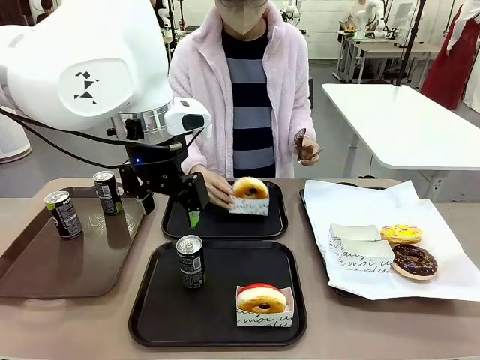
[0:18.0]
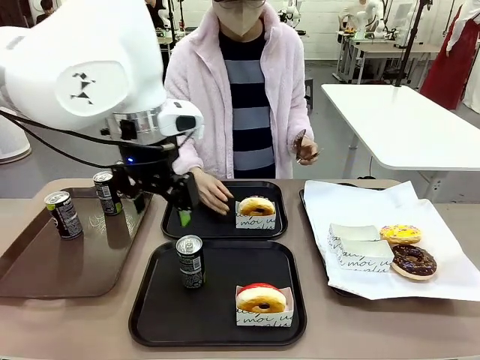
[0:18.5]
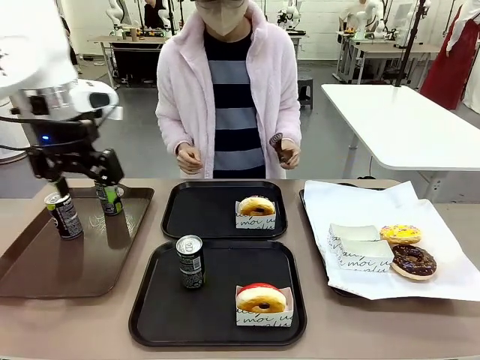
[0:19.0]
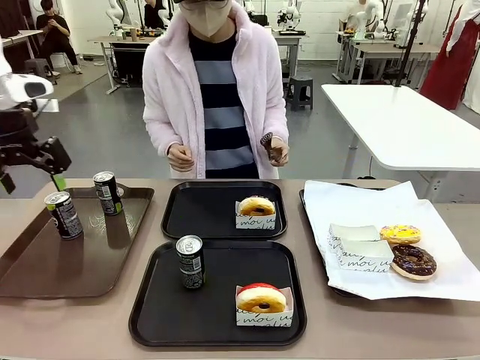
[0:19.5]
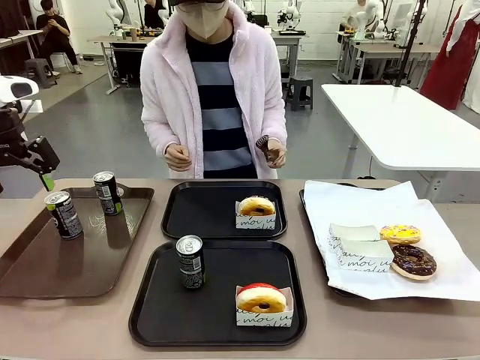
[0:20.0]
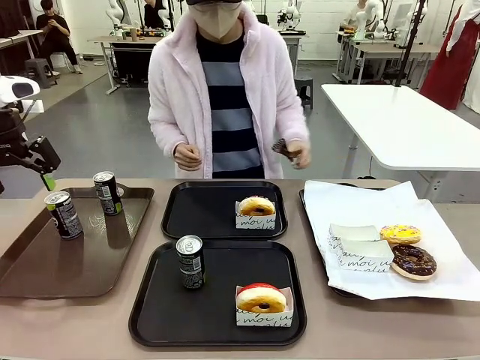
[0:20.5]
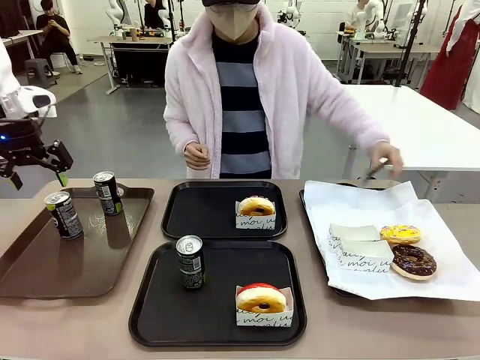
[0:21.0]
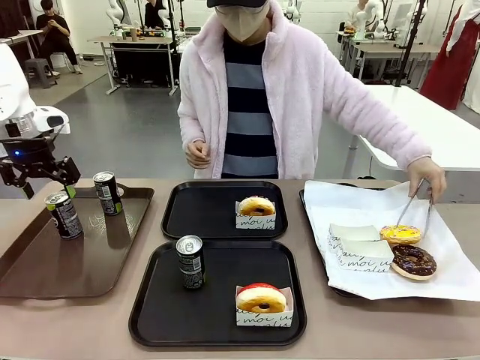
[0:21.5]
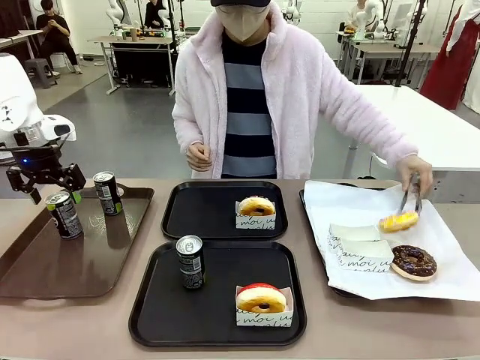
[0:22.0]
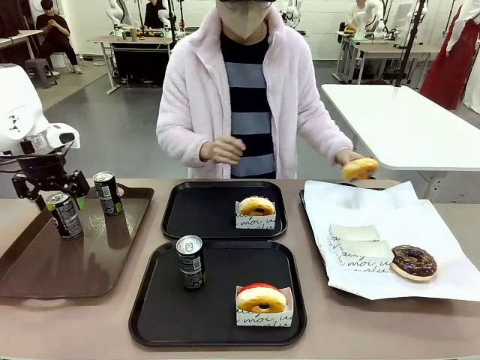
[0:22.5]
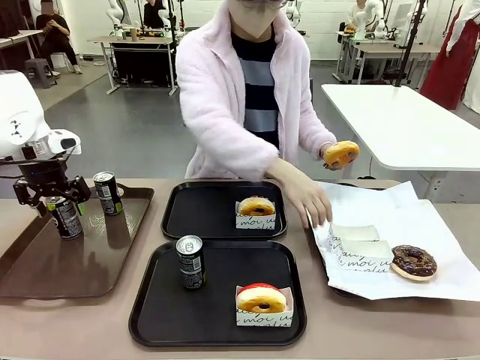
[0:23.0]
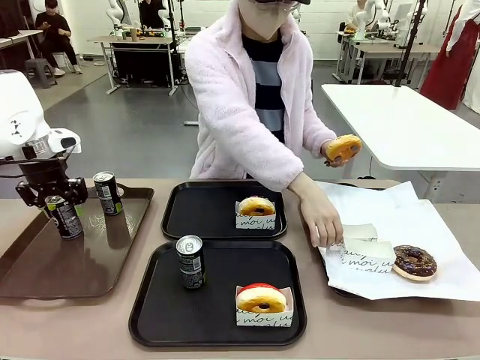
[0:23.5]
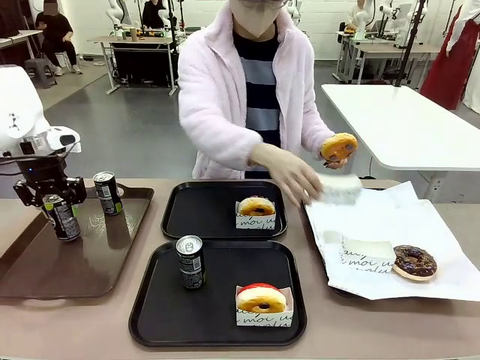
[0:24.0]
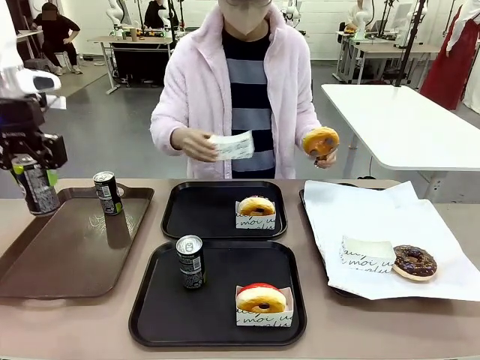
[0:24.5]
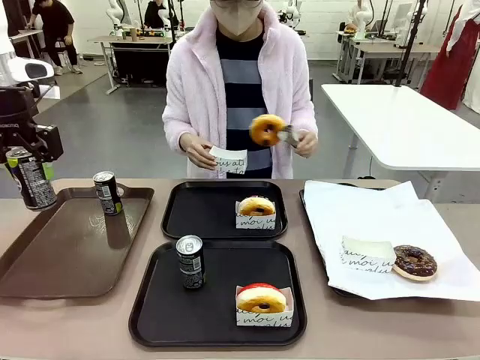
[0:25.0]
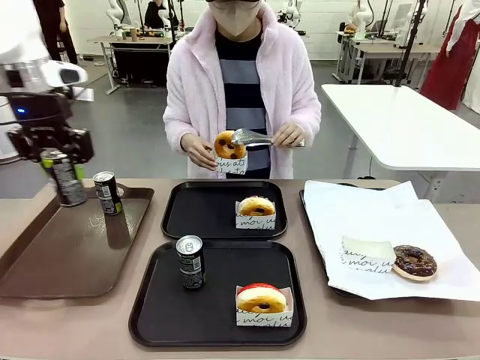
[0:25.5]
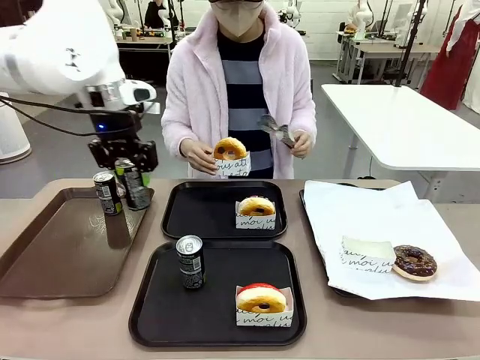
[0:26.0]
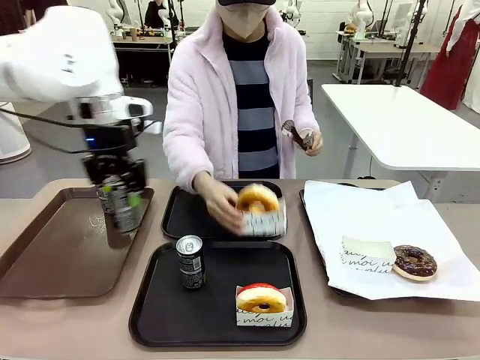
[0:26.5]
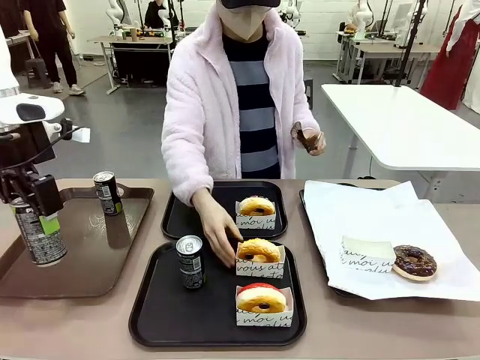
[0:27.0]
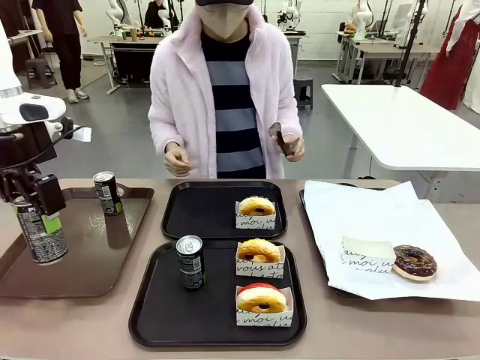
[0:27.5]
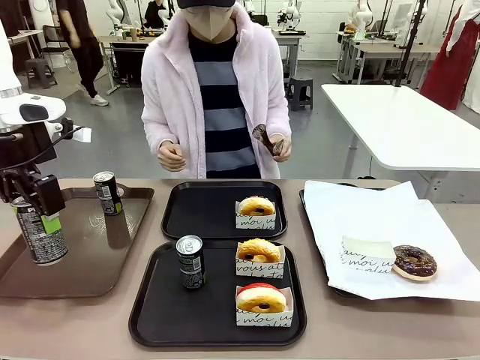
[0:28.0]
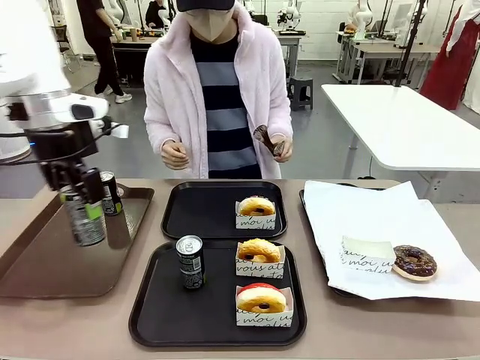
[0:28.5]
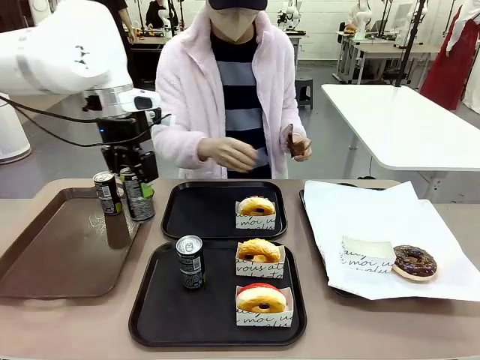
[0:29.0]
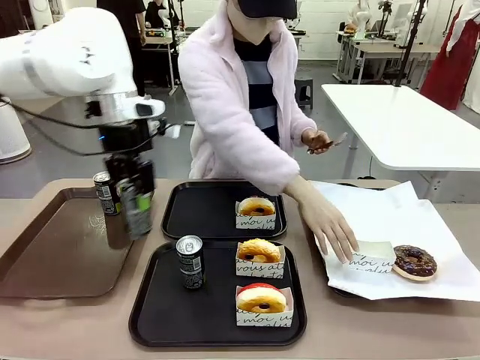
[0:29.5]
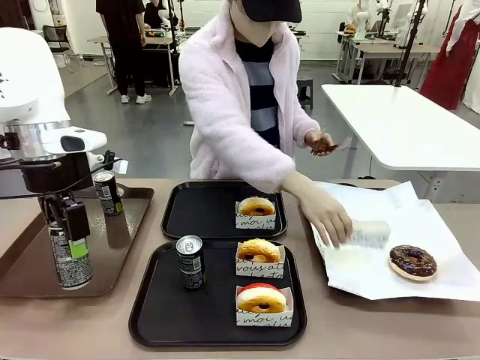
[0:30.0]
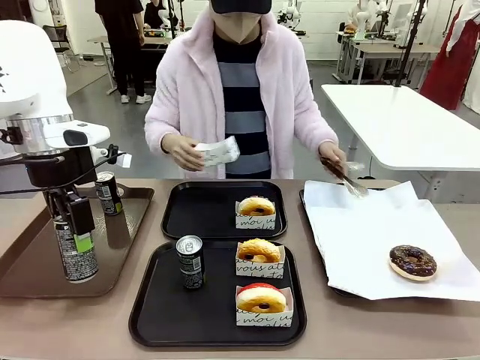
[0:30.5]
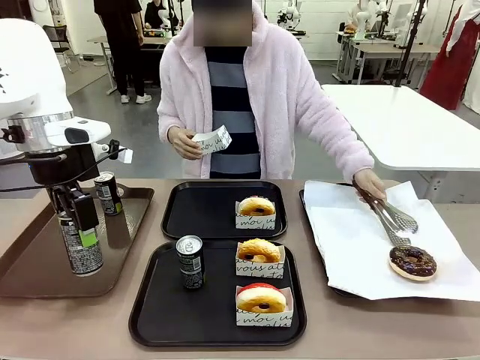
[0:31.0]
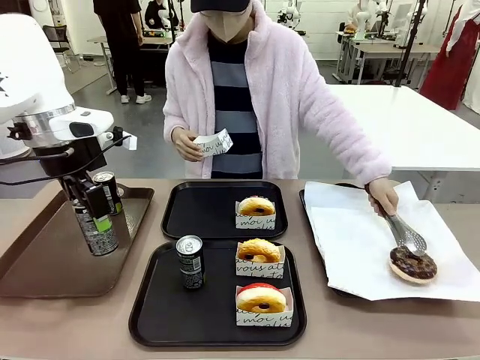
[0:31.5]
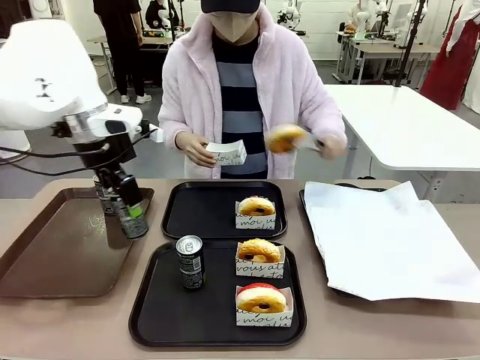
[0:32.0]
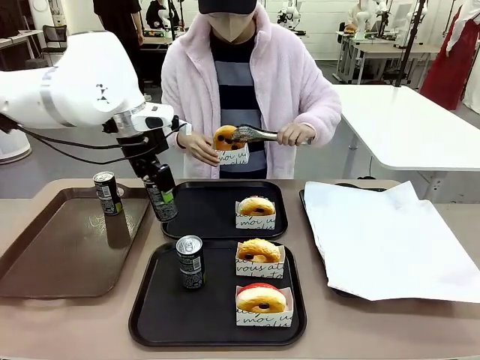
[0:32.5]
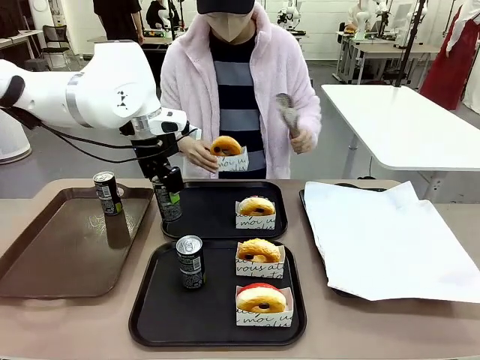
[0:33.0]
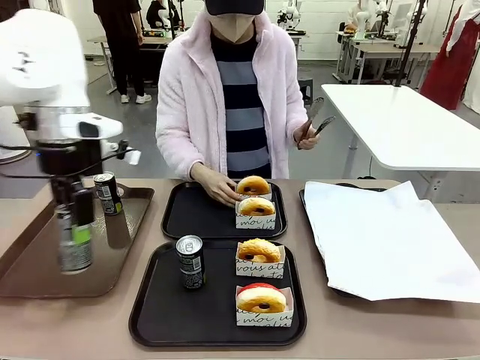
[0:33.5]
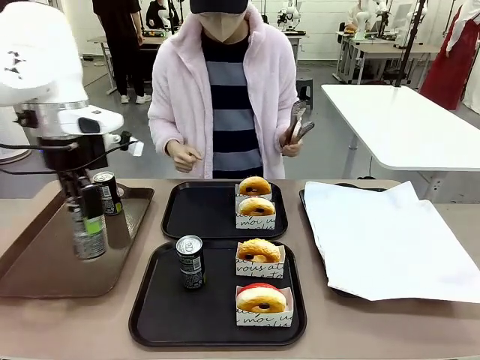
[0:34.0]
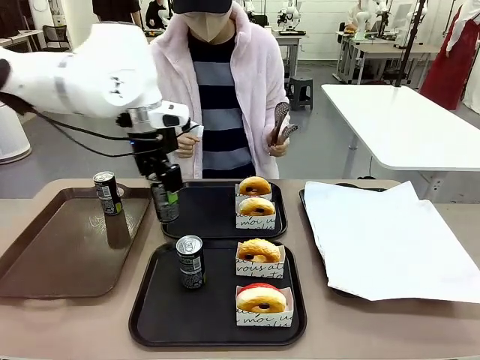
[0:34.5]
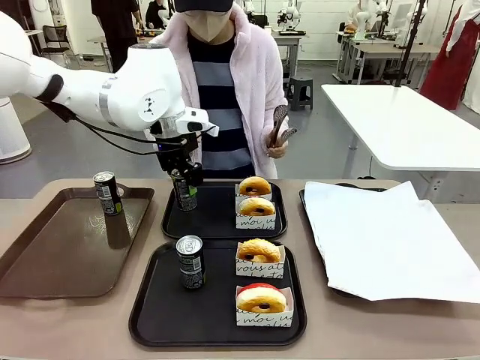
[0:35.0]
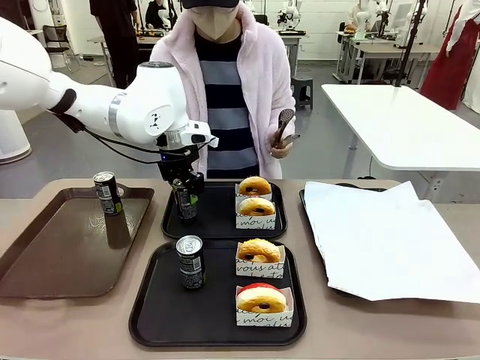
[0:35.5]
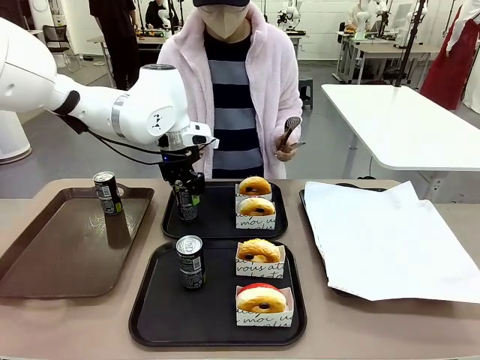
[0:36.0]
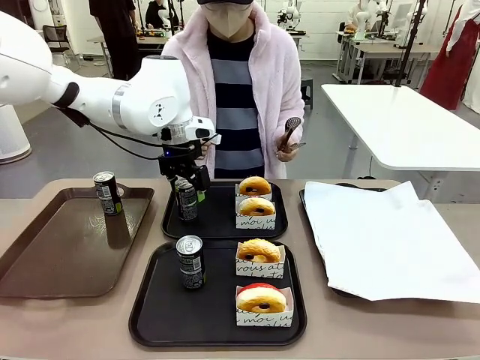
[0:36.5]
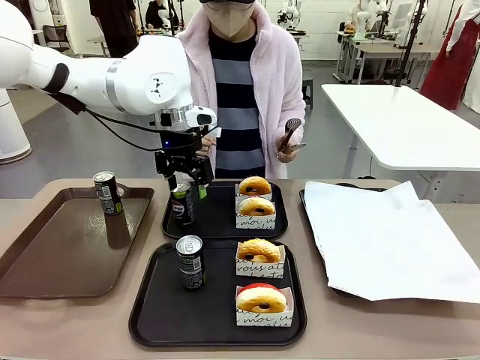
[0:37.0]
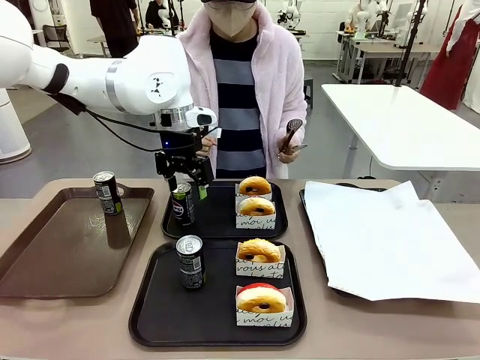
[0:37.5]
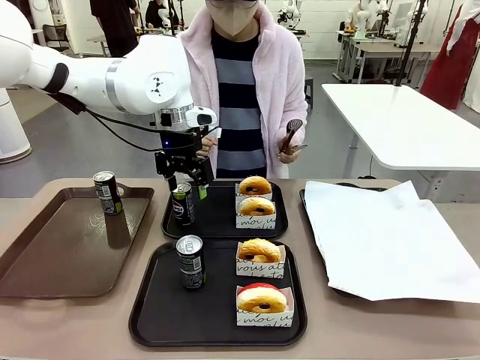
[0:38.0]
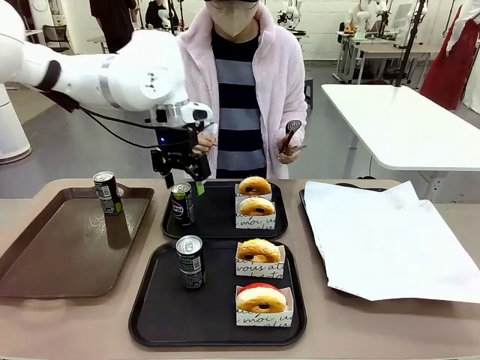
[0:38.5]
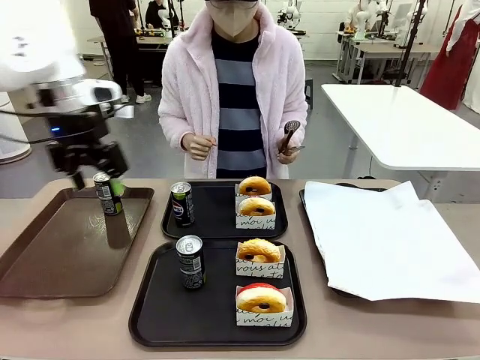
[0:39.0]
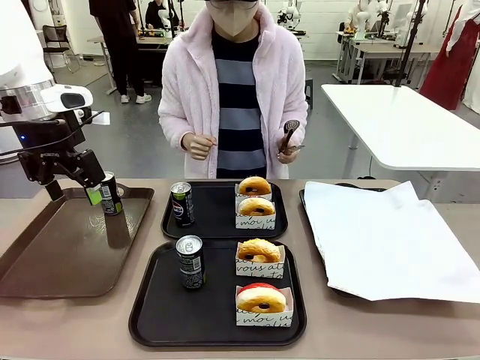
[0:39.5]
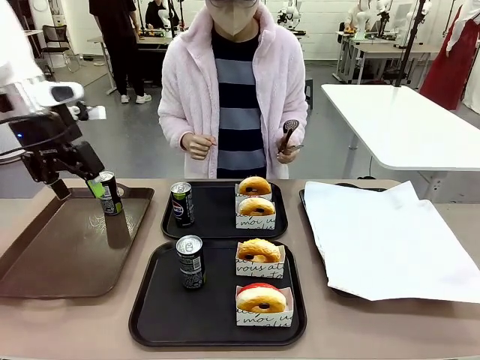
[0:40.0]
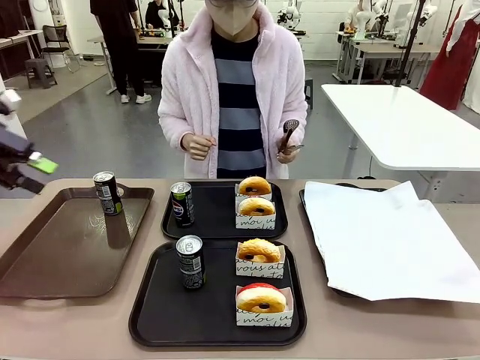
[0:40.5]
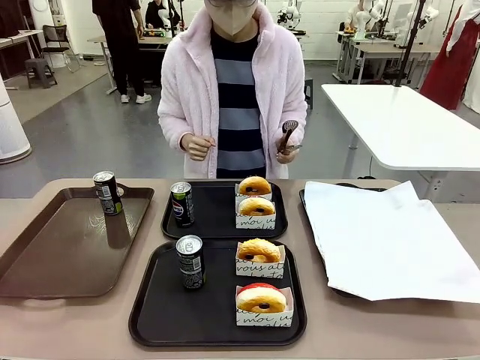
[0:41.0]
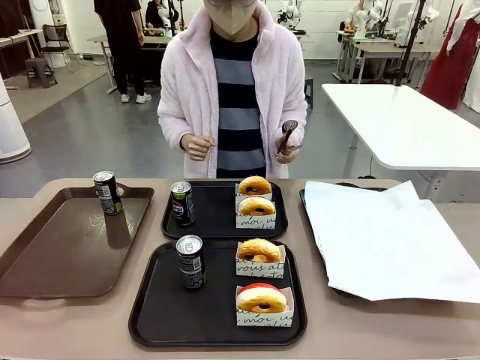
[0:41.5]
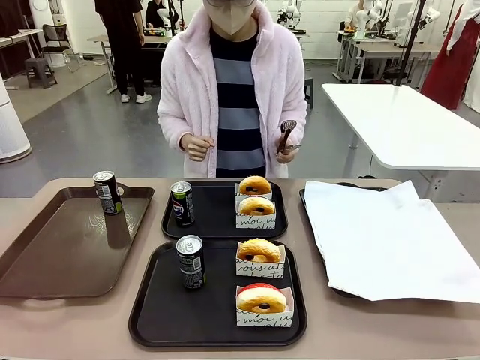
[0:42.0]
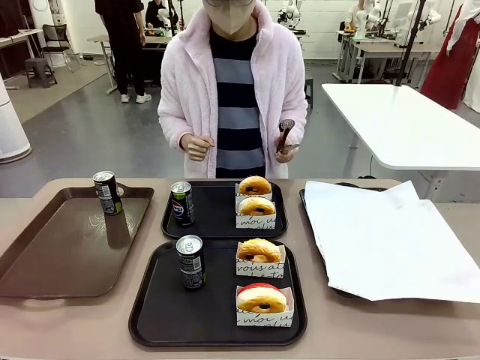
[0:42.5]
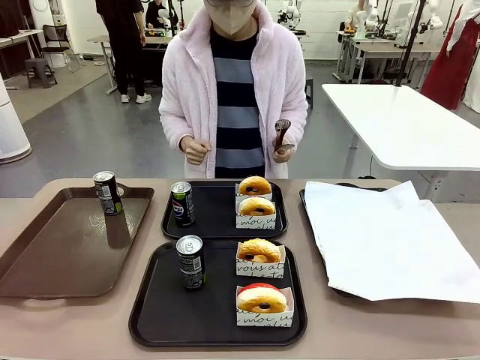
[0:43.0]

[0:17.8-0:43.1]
Task: Set up donuts and drinks on trays.
Robot: Pick up one Pepsi coke from the Handle tray and place it on the Flat Tray without a Pepsi coke.
Person: Pick up one donut with tongs, place it in the donut tray, and then place the donut tray on the flat tray.
